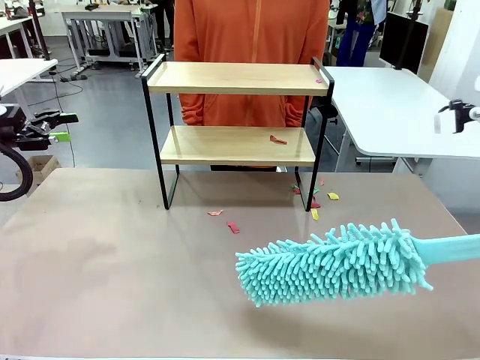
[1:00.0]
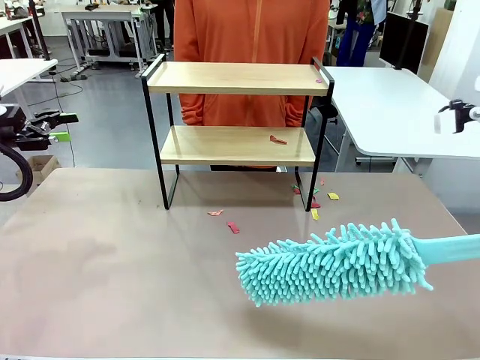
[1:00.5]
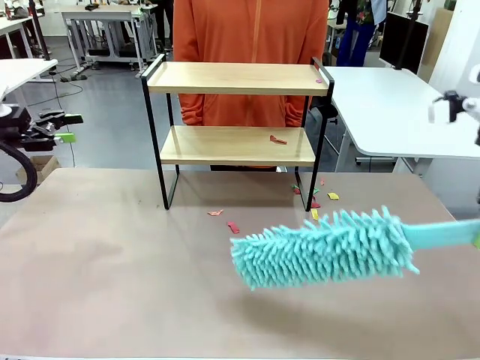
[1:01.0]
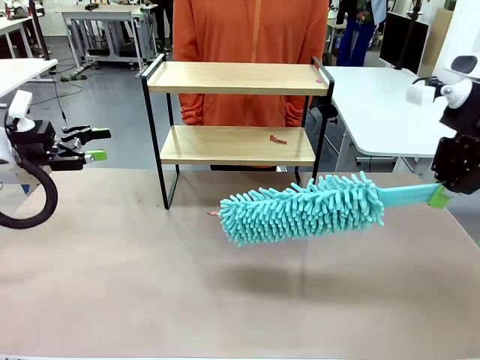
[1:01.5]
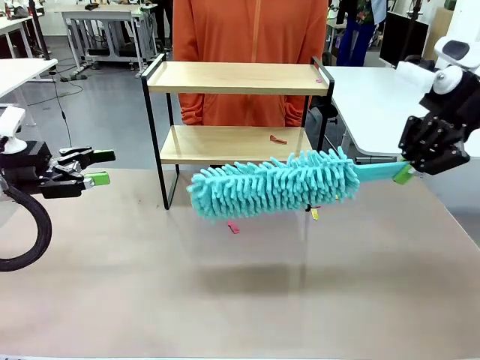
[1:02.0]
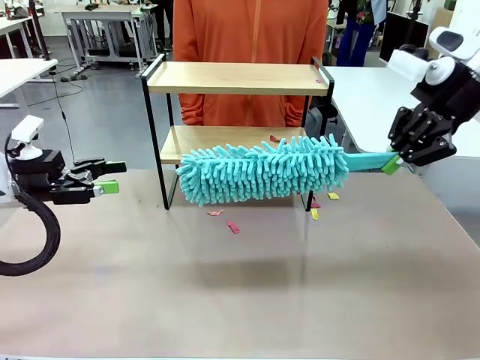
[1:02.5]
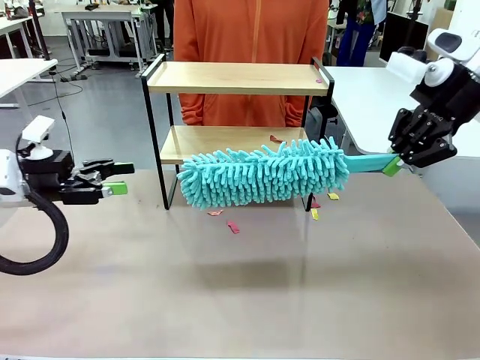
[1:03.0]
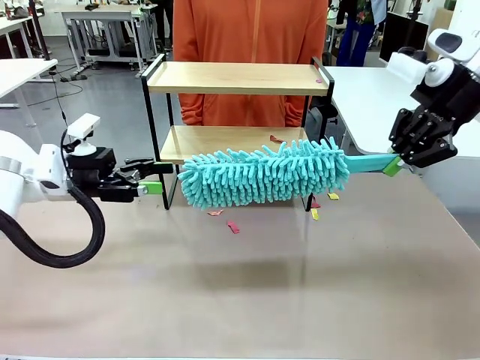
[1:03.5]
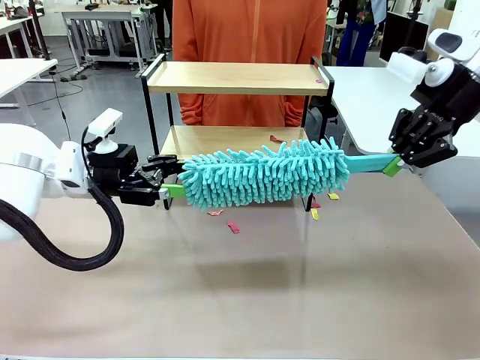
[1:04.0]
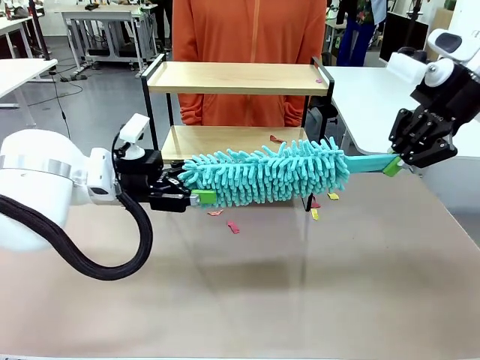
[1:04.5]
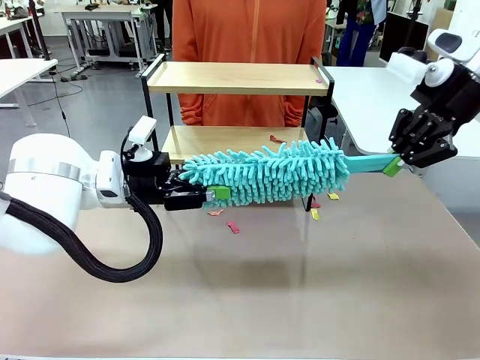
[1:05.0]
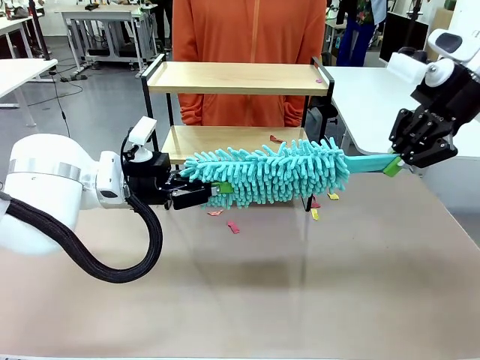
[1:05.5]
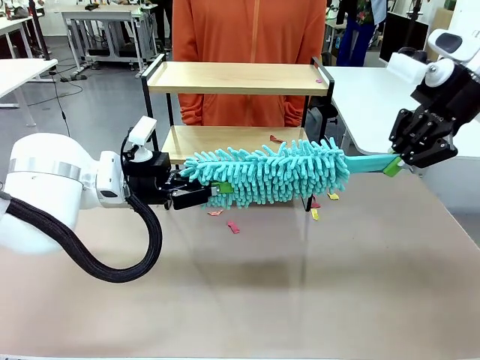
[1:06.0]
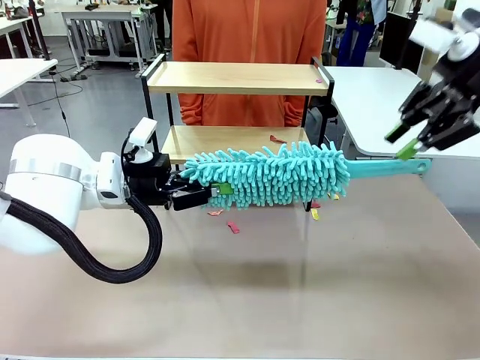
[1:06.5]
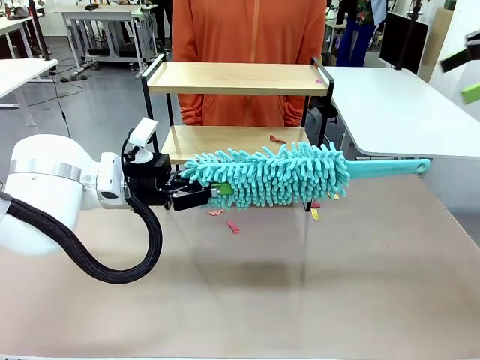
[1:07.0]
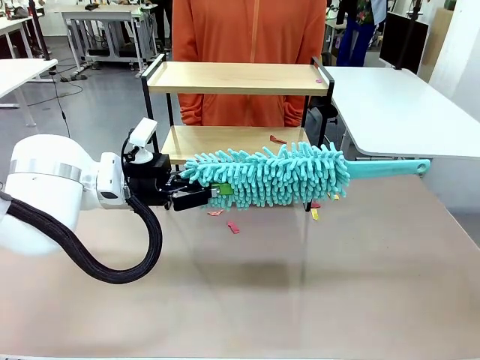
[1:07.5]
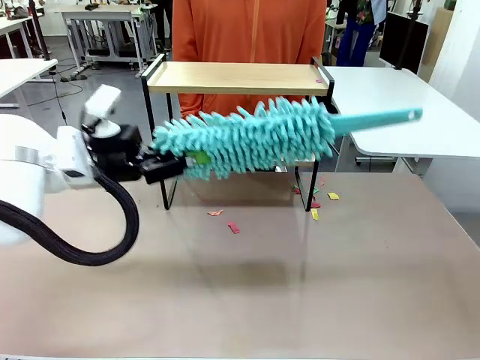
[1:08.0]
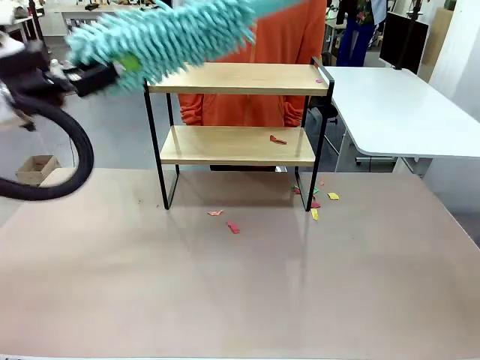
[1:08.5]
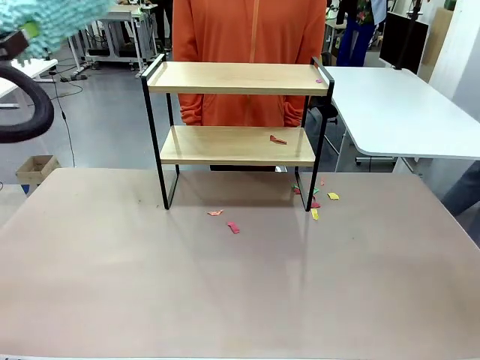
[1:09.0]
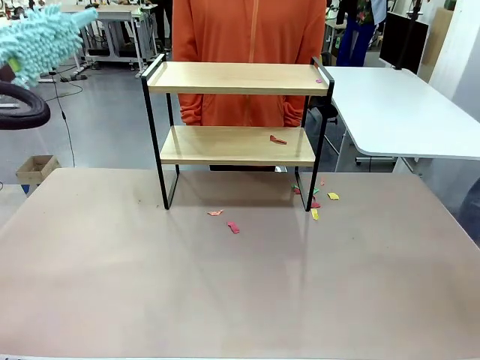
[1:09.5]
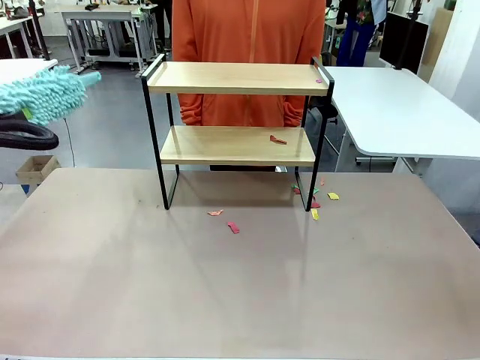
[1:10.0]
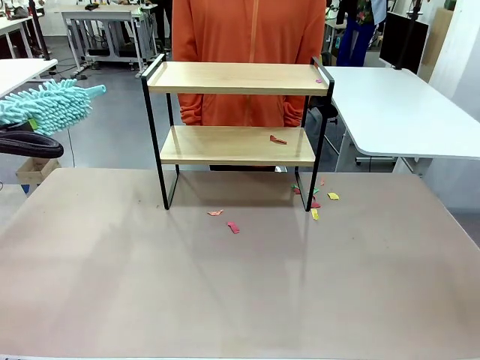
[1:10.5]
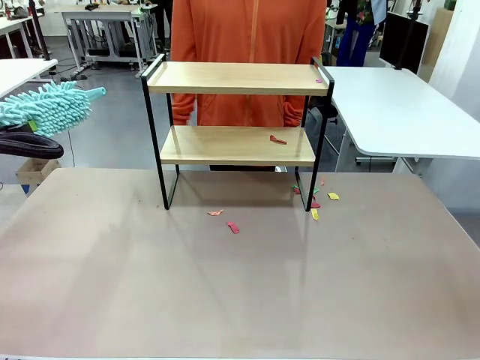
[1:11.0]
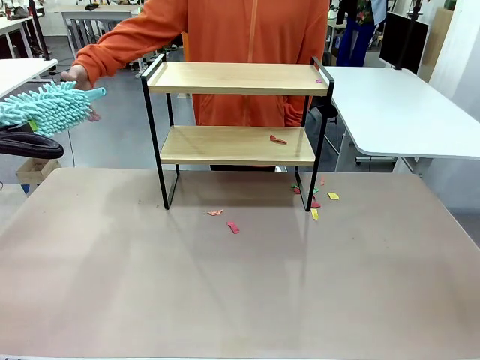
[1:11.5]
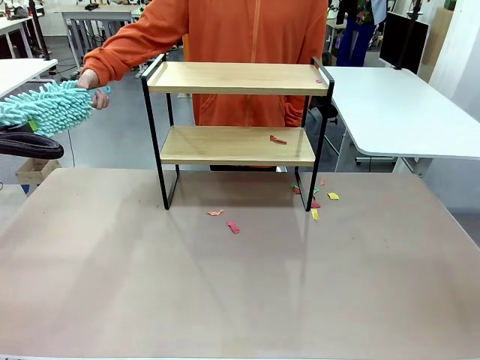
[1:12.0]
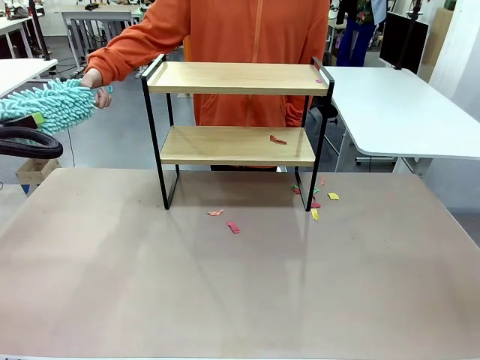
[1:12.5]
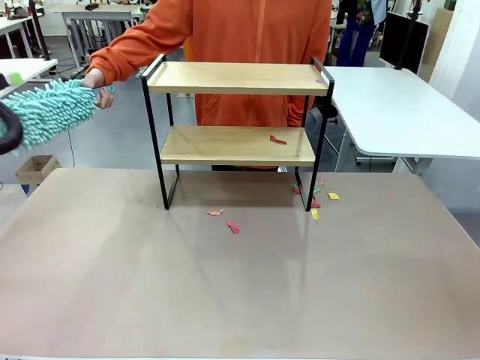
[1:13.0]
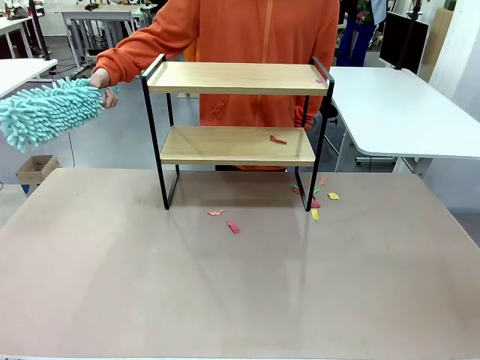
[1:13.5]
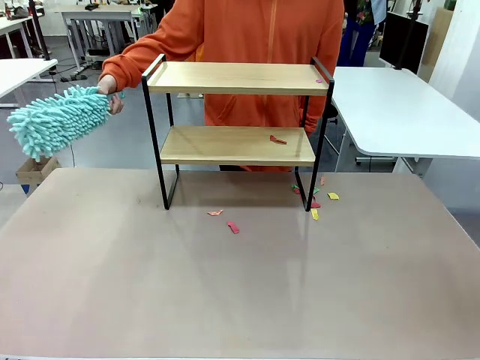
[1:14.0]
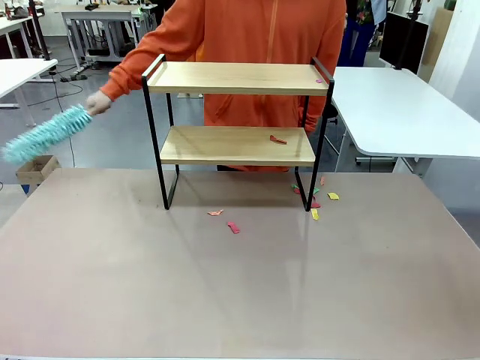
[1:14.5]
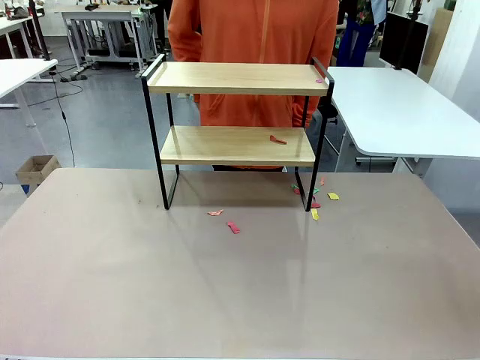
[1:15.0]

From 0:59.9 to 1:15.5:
Task: Clean the shelf.
Robot: Hand the Duster back to the human.
Person: Receive the Duster from the robot.

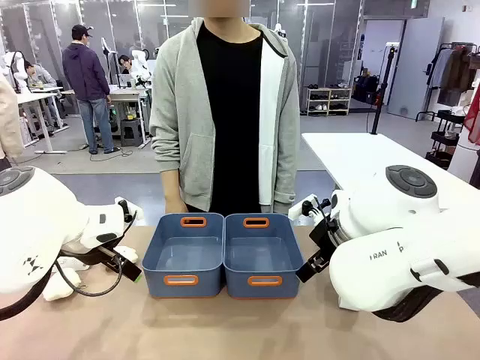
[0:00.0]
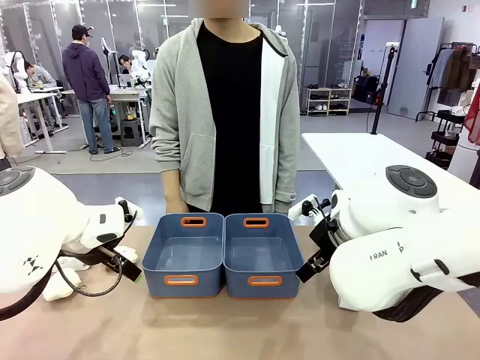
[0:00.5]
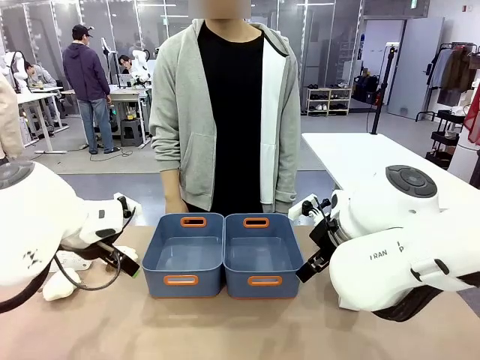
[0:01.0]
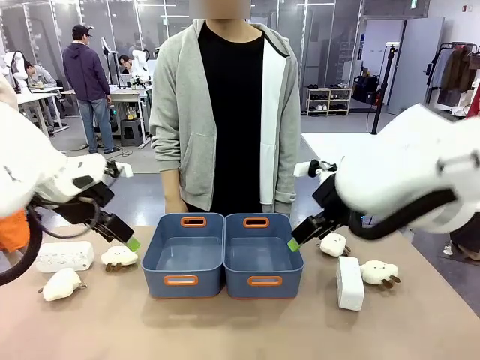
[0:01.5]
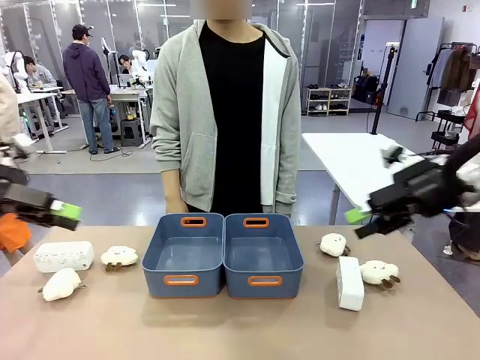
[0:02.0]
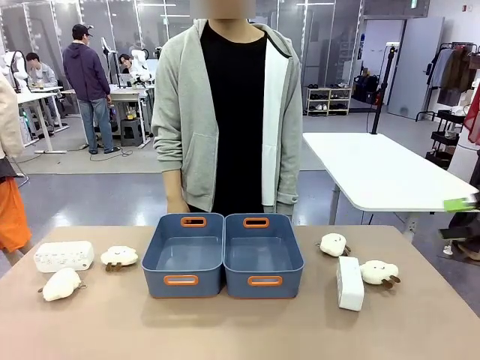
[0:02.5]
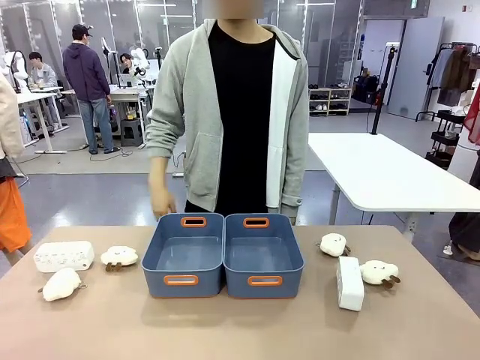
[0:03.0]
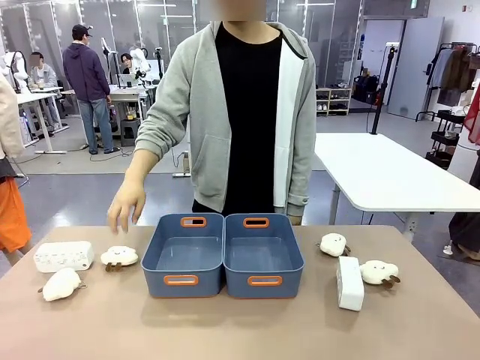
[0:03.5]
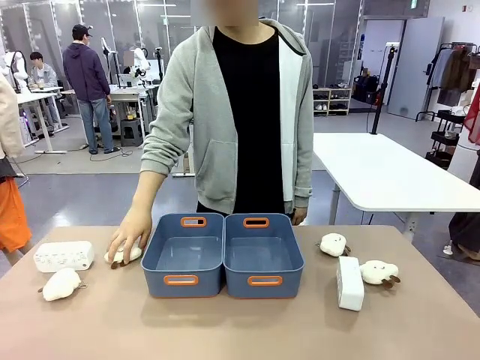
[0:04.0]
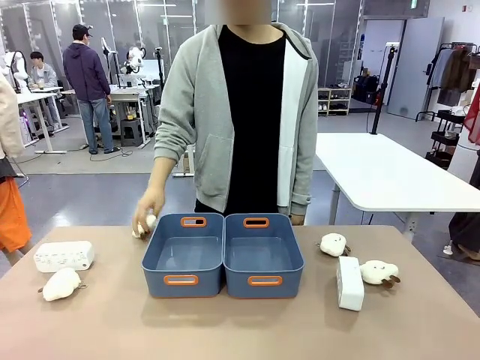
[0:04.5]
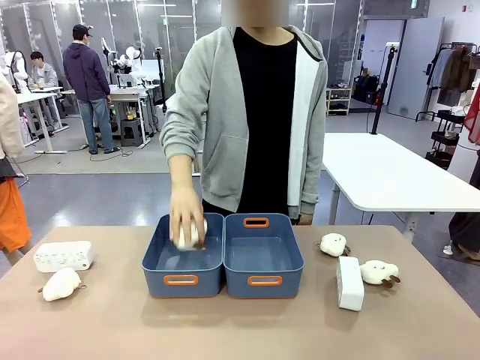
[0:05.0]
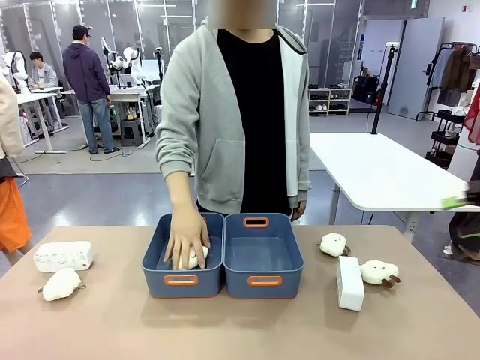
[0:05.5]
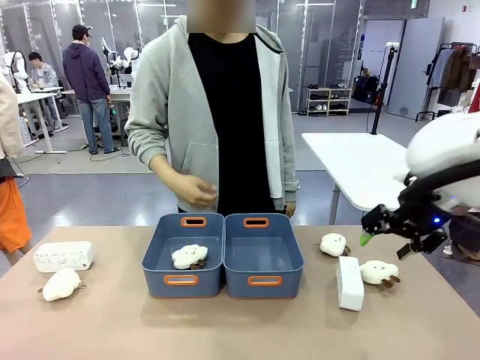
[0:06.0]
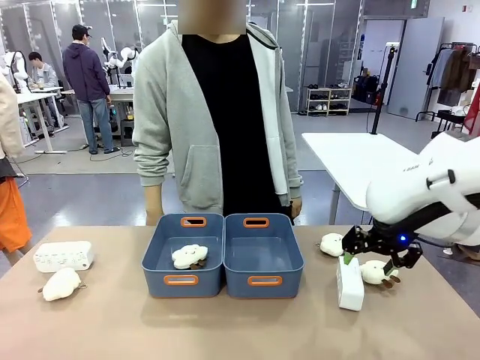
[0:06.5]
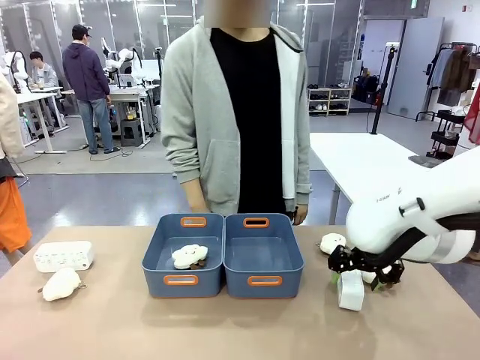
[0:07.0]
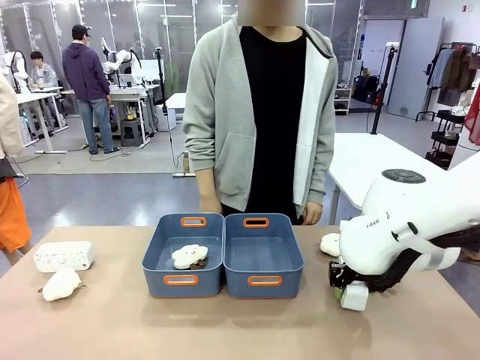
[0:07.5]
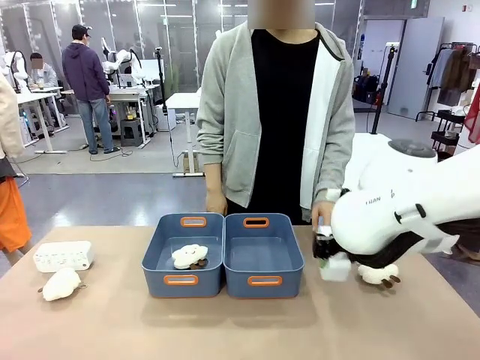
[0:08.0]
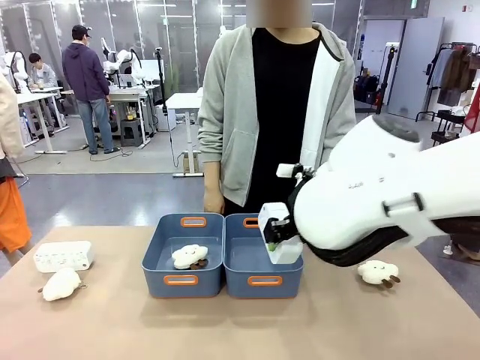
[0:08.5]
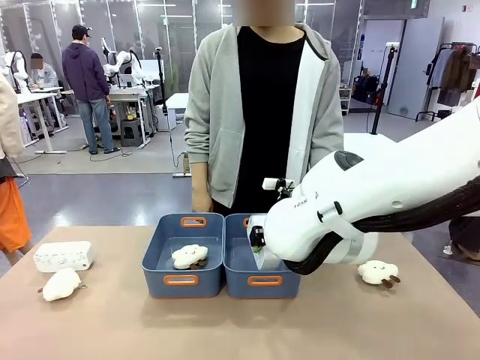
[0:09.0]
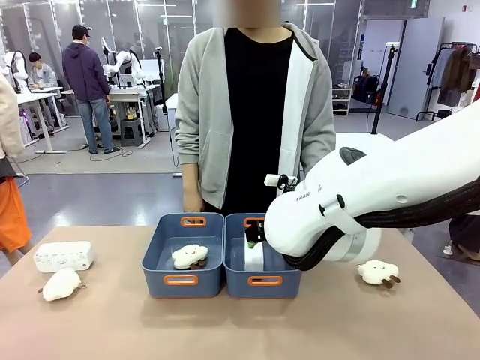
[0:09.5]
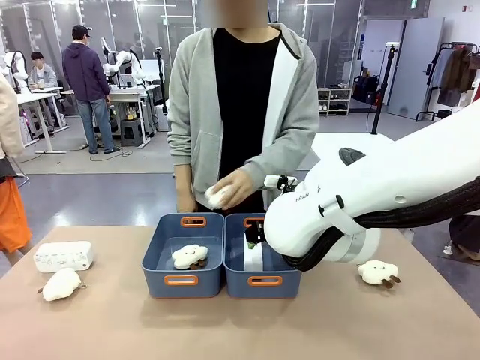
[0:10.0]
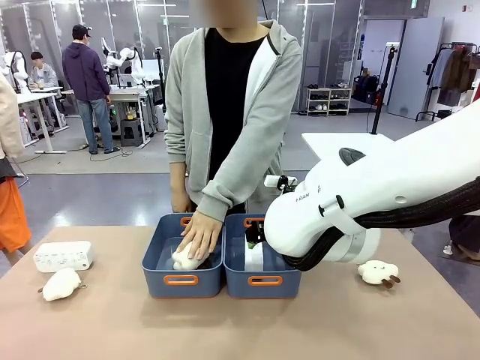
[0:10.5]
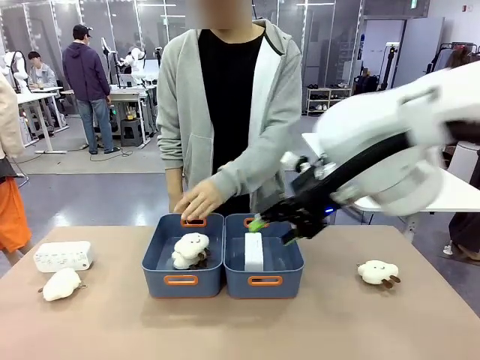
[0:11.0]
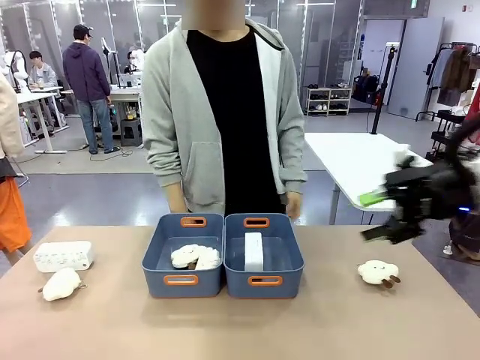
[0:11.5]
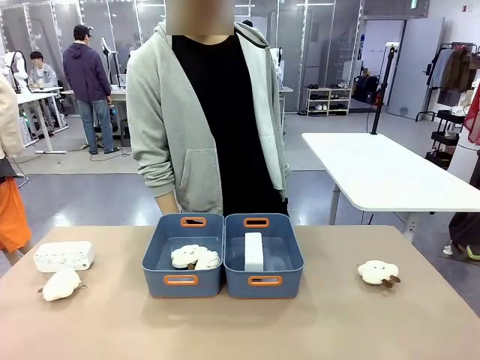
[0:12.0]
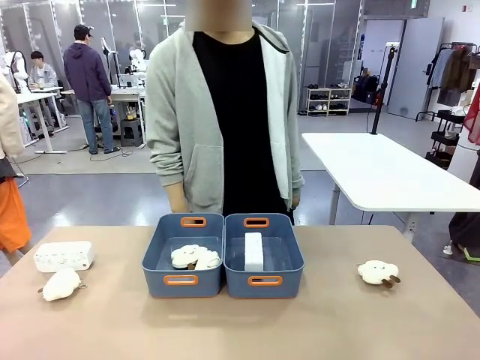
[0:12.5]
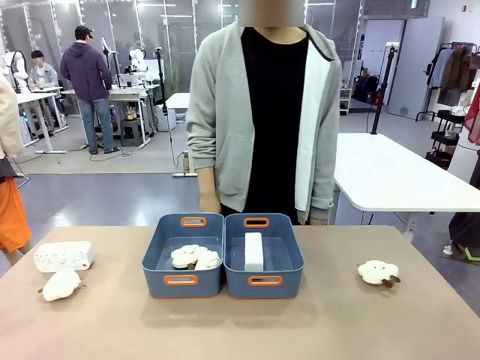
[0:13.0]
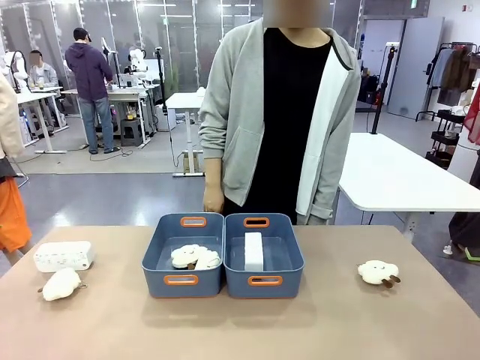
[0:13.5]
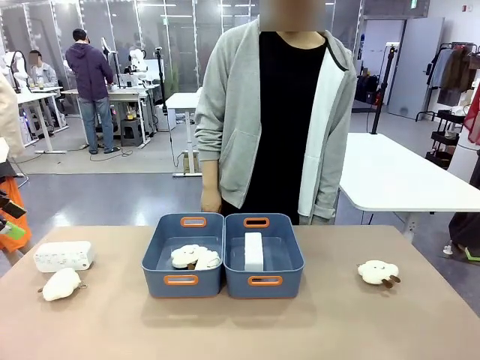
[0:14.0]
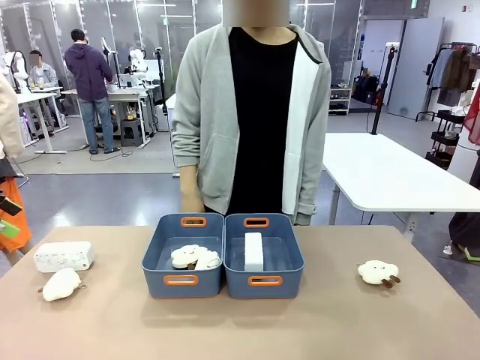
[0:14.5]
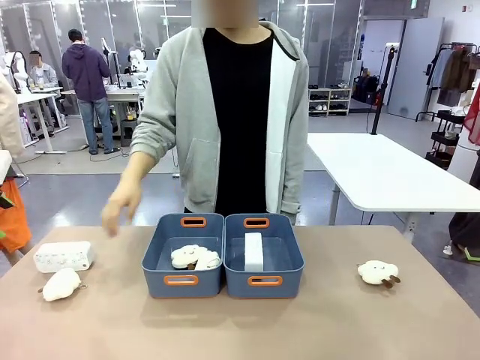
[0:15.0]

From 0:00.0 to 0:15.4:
Task: Sort the digital clocks into the basket.
Robot: Pick up the Digital clock from the table and place it into the empty Plastic storage basket.
Person: Pick up a plush toy from the table and place it in a plastic storage basket.
